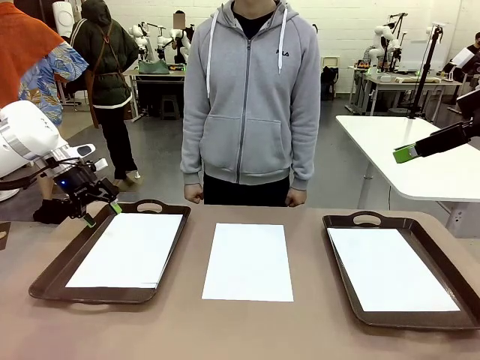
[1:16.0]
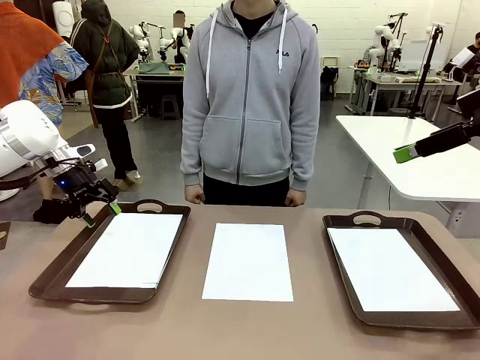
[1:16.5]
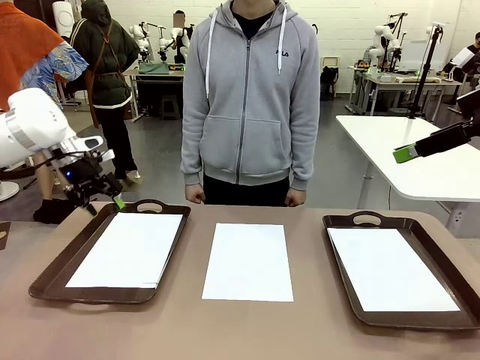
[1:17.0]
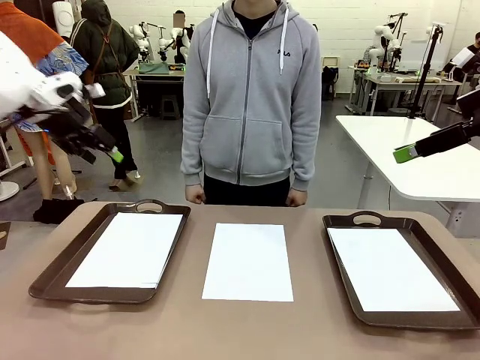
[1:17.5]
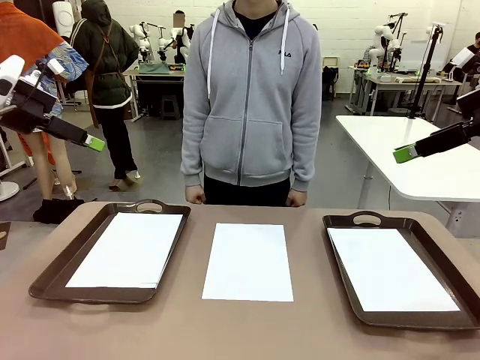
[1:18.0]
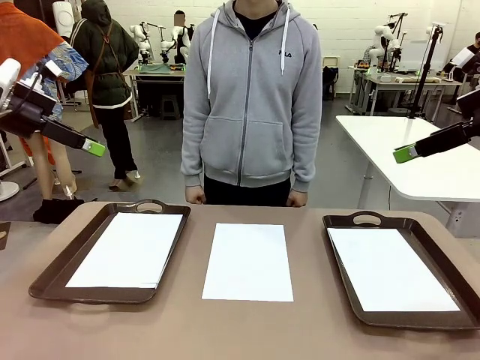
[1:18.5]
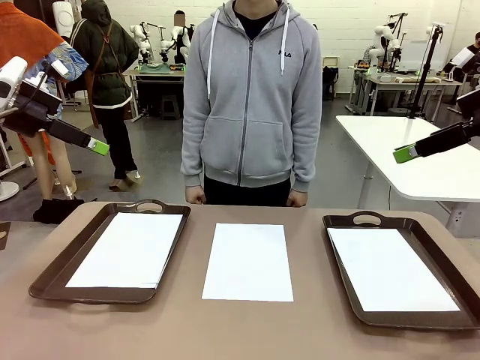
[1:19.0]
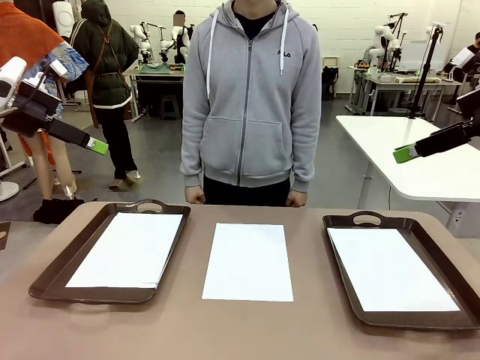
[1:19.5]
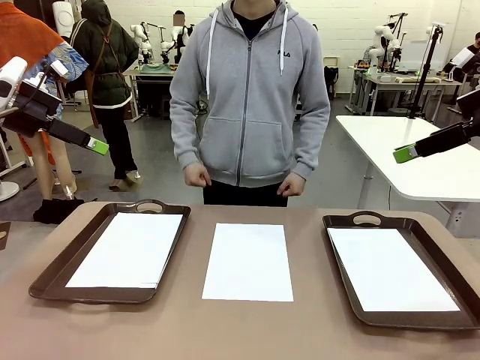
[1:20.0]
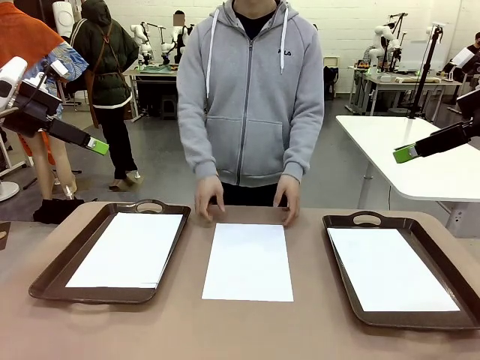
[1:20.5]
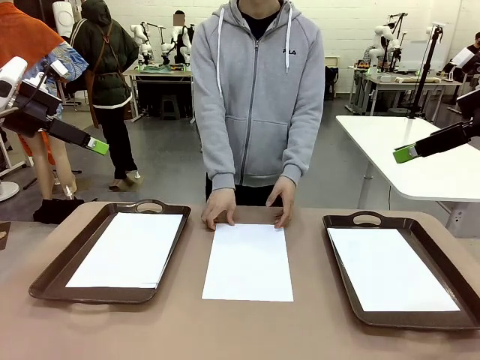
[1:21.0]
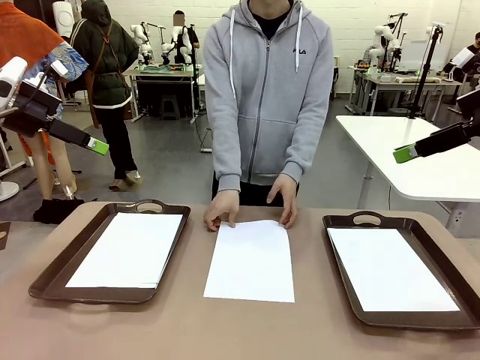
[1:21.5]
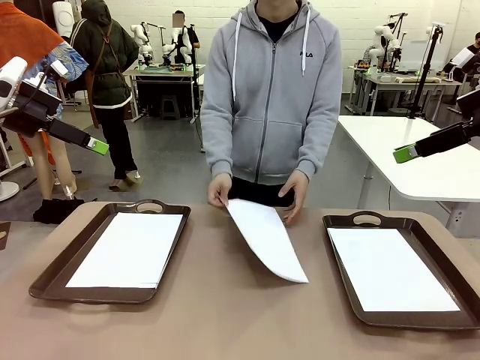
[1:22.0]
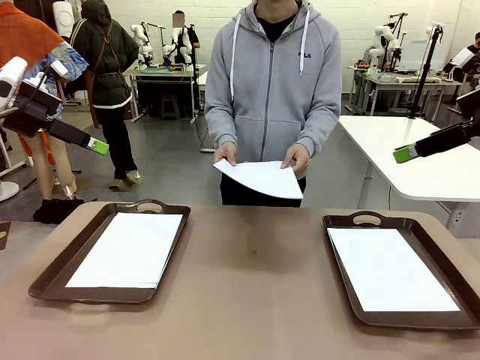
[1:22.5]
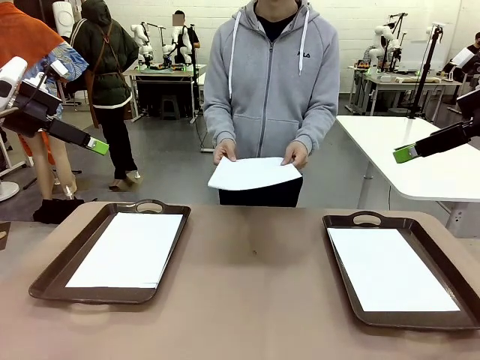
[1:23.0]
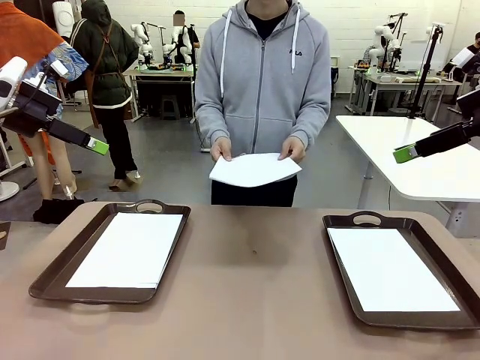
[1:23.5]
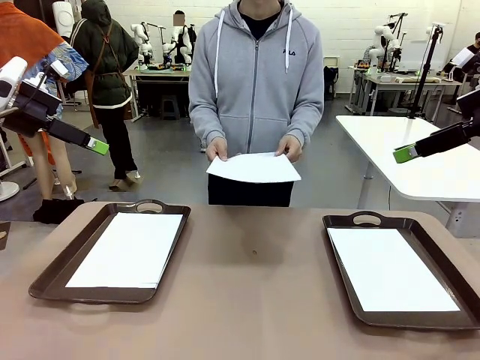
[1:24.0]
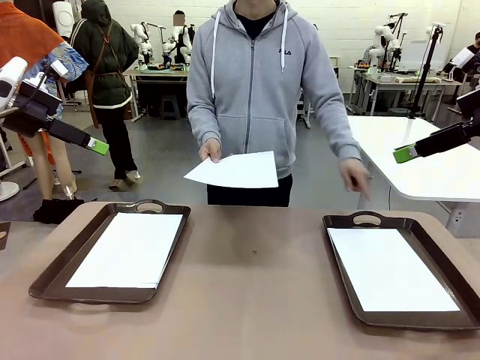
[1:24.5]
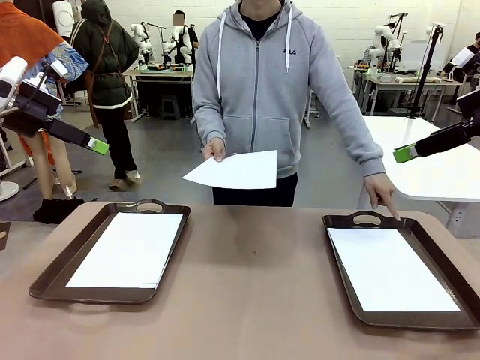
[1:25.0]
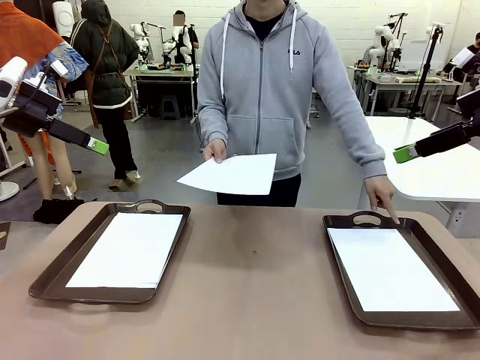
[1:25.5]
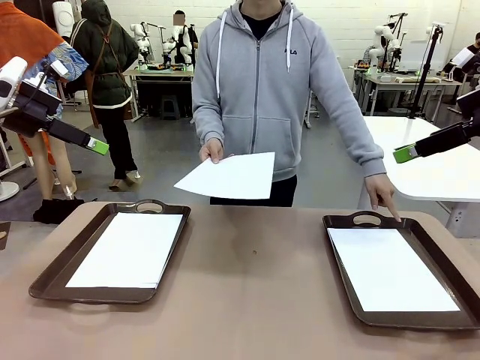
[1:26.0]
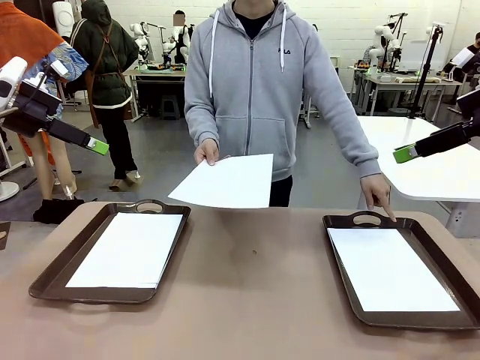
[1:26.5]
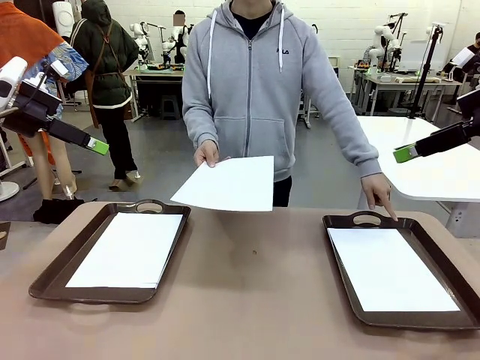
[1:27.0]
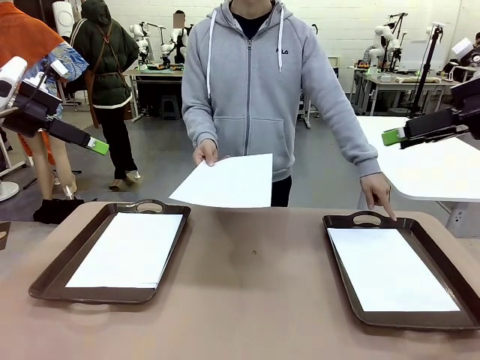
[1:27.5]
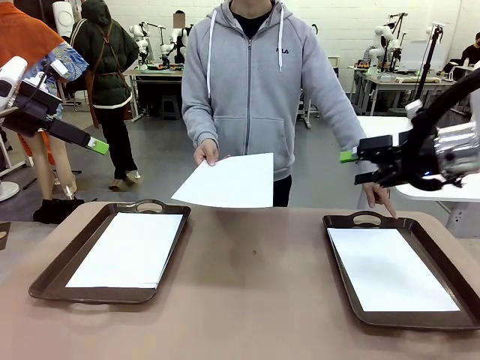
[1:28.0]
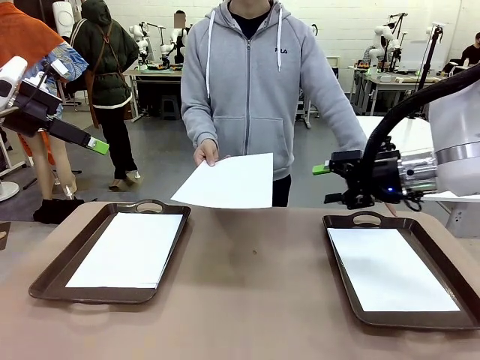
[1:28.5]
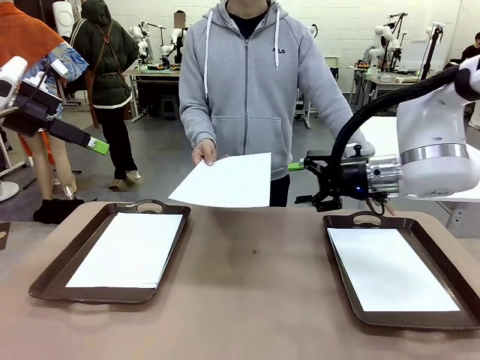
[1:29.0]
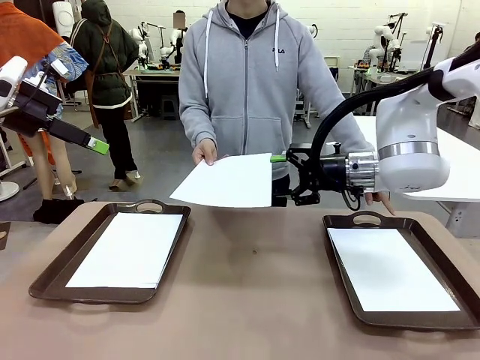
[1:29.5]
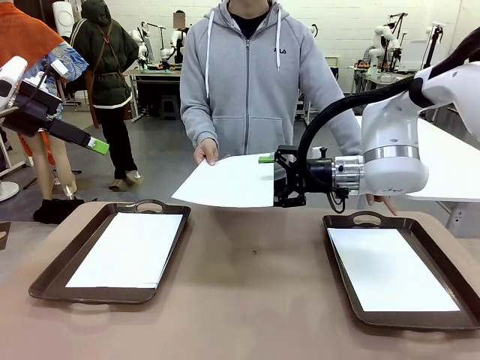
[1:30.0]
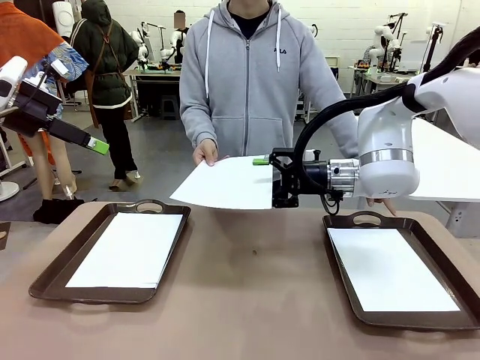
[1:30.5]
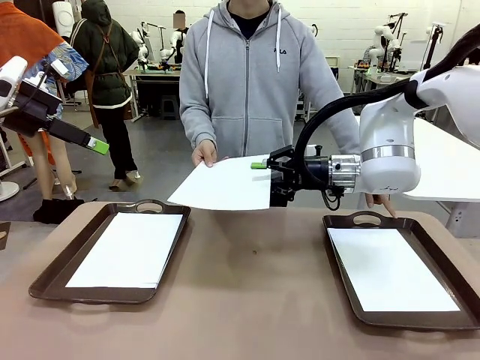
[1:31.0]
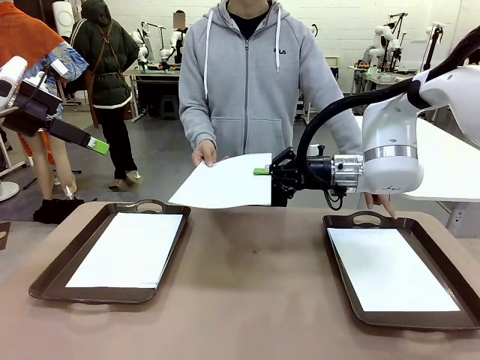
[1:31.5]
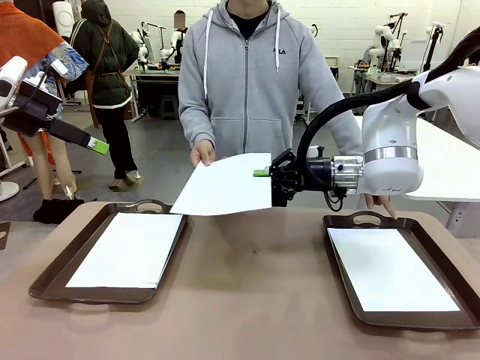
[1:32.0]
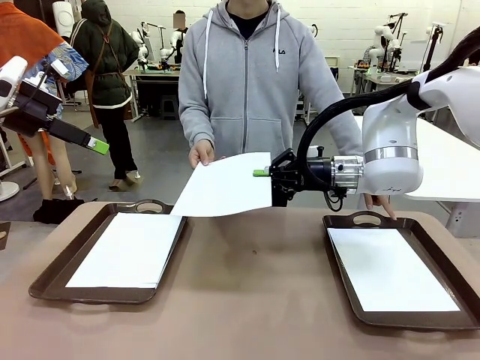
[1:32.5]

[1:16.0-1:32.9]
Task: Sort the A4 documents.
Robot: Receive the A4 Paper.
Person: Point the randomly selected tray with the other hand.

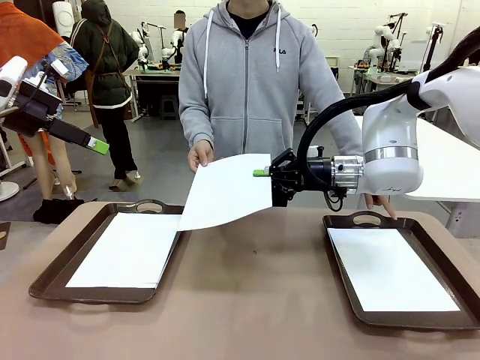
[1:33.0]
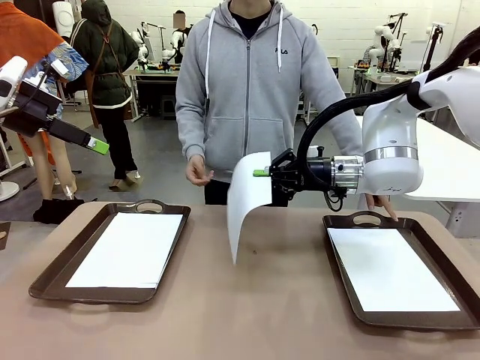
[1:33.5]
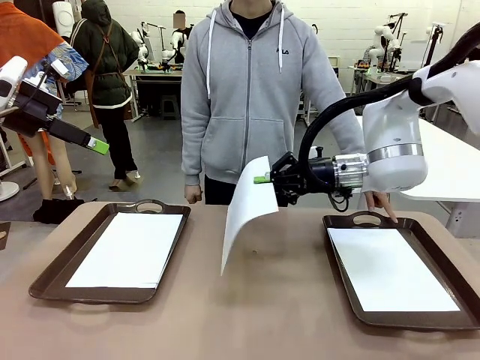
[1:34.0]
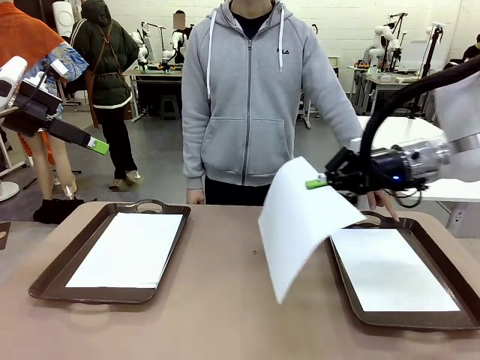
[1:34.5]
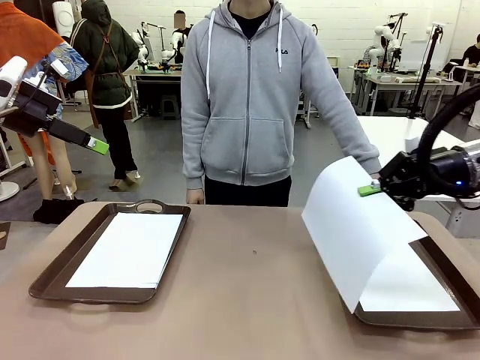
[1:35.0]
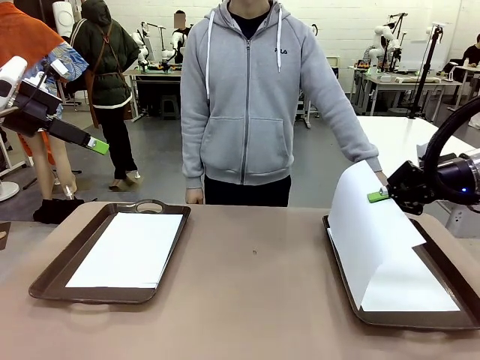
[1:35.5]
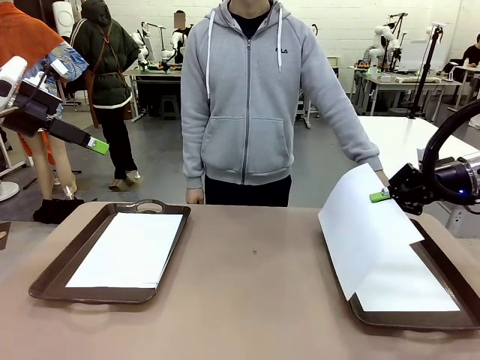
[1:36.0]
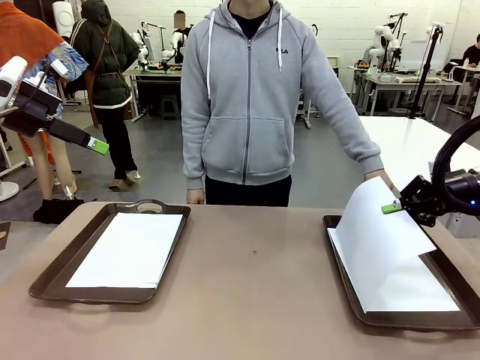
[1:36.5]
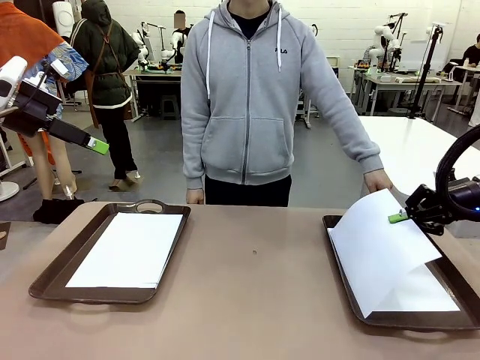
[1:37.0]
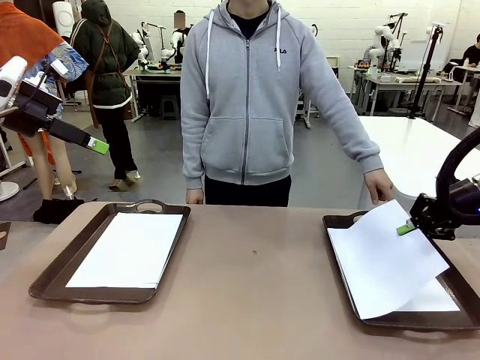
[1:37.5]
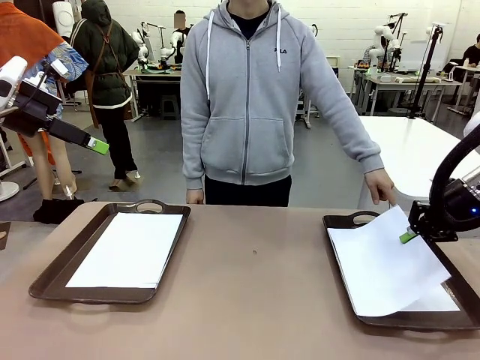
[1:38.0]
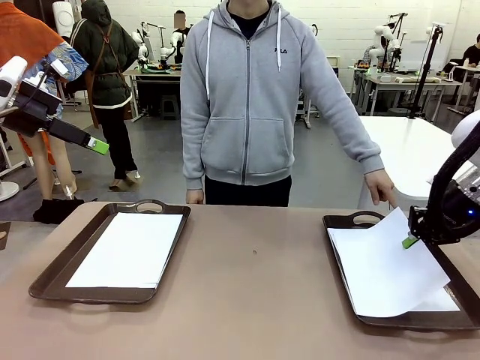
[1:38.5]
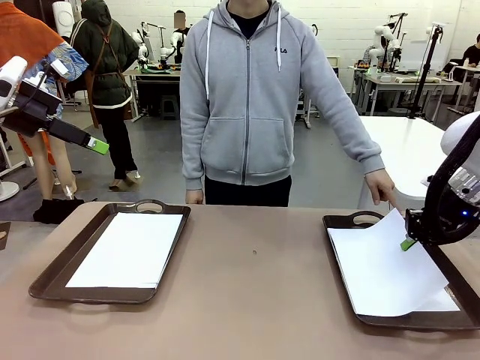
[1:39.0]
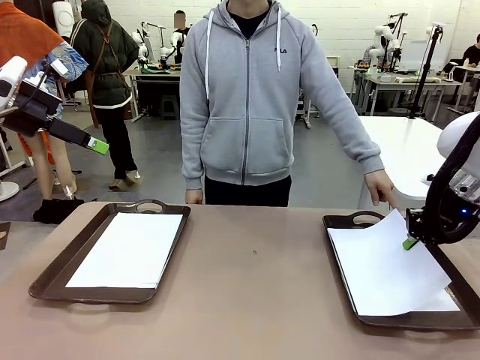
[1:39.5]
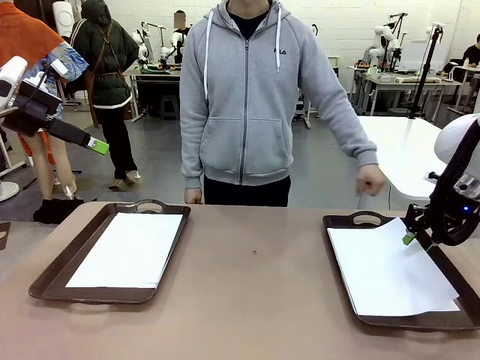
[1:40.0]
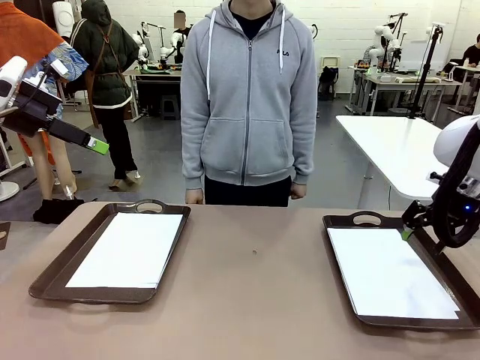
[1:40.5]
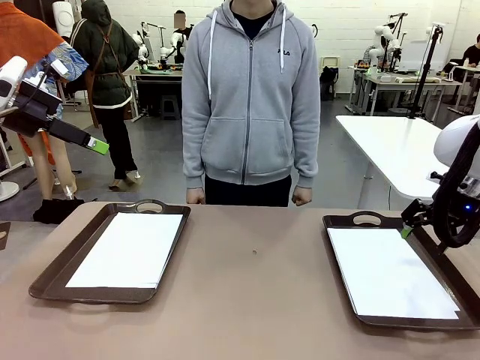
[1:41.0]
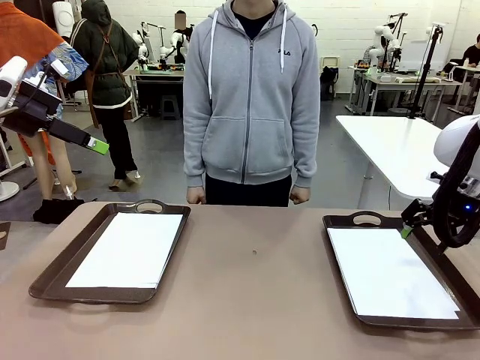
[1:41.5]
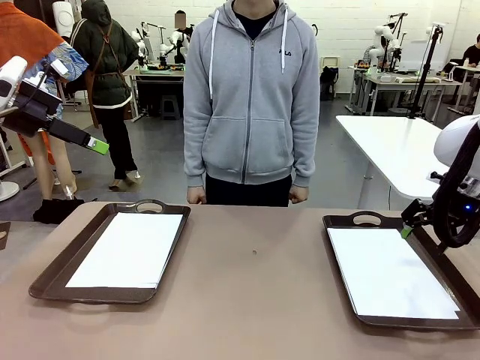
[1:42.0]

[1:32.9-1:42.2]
Robot: Place the A4 Paper in the designated Handle tray.
